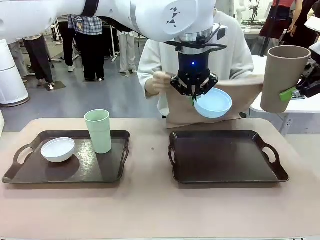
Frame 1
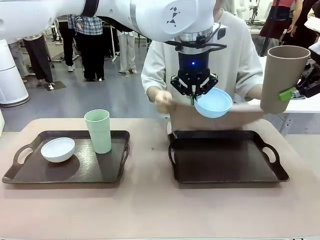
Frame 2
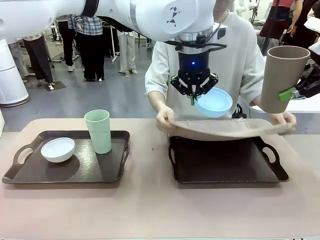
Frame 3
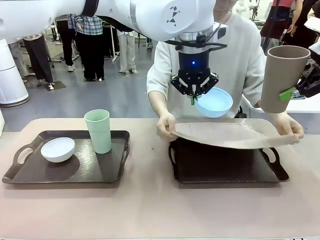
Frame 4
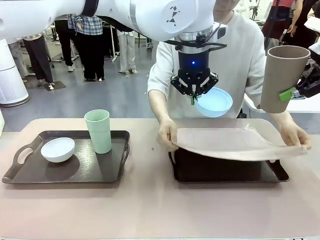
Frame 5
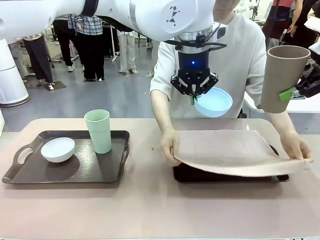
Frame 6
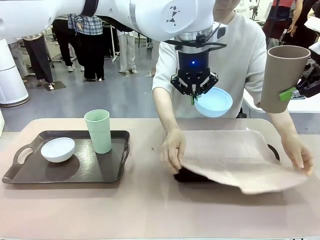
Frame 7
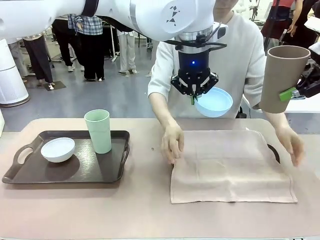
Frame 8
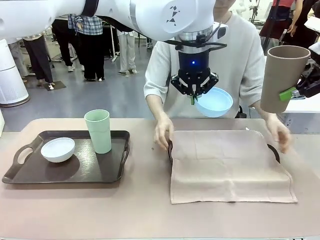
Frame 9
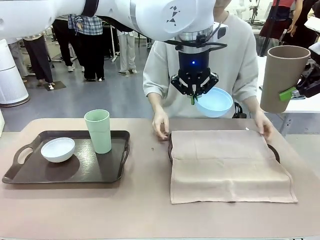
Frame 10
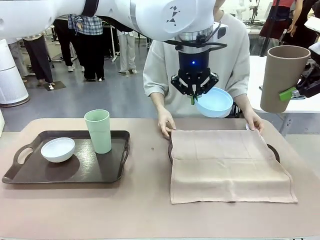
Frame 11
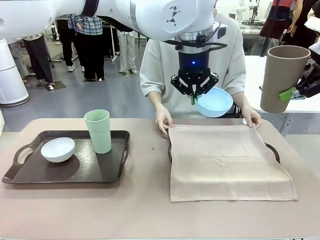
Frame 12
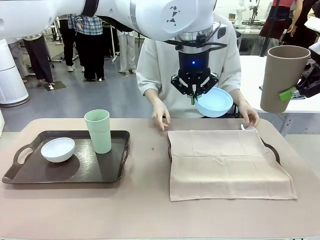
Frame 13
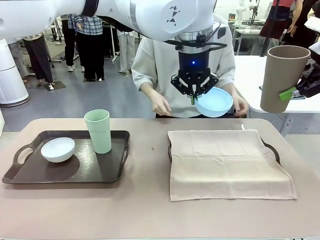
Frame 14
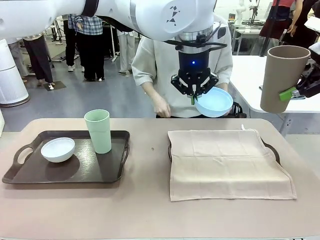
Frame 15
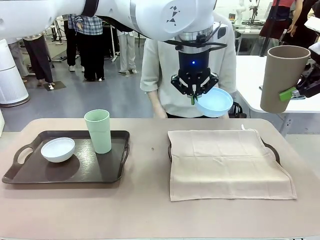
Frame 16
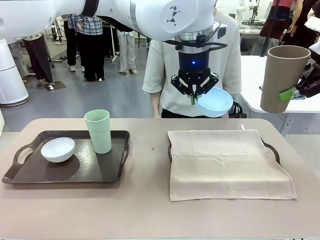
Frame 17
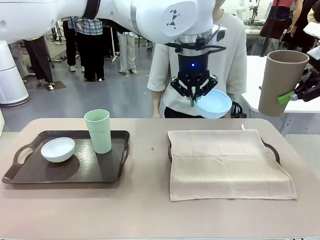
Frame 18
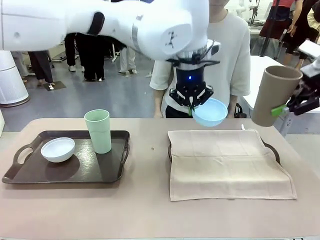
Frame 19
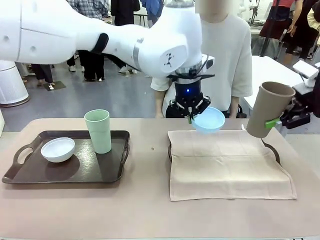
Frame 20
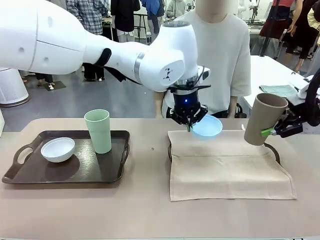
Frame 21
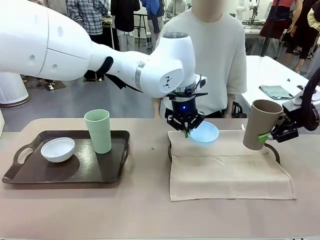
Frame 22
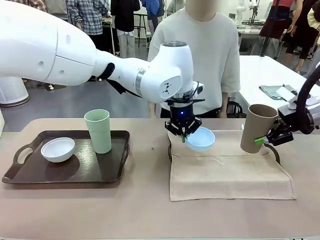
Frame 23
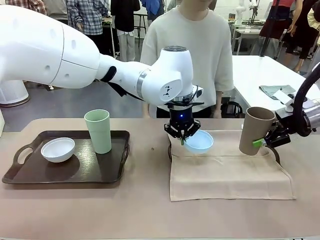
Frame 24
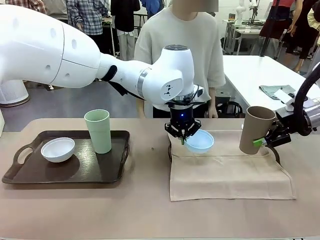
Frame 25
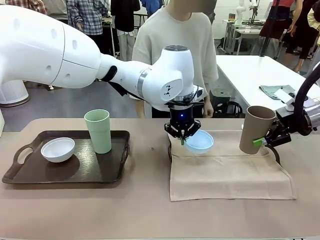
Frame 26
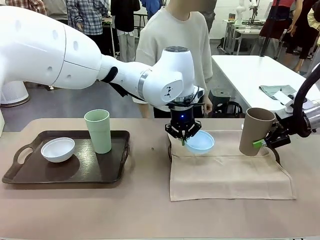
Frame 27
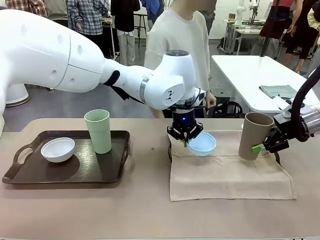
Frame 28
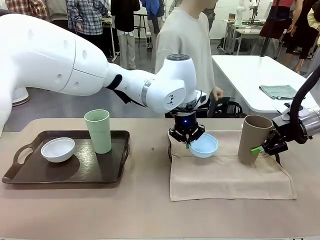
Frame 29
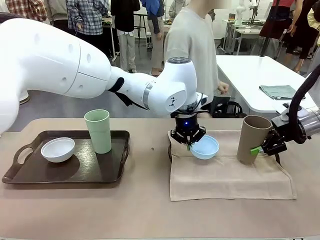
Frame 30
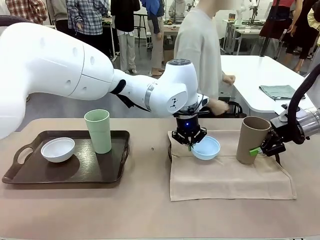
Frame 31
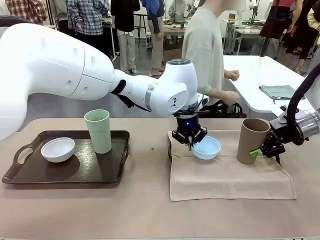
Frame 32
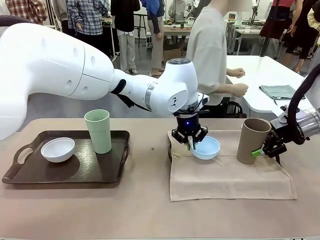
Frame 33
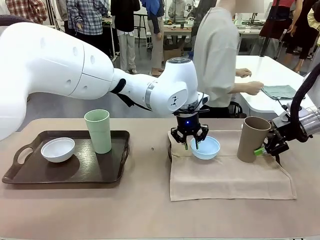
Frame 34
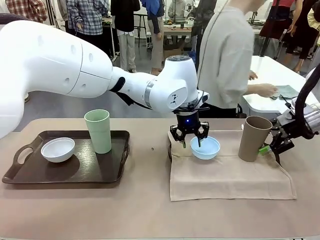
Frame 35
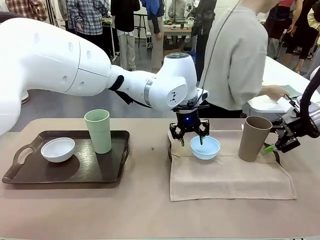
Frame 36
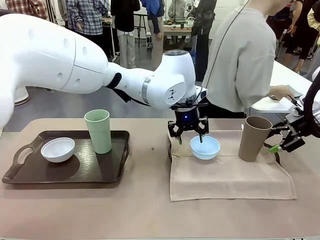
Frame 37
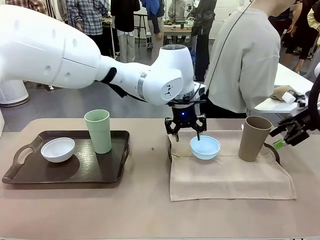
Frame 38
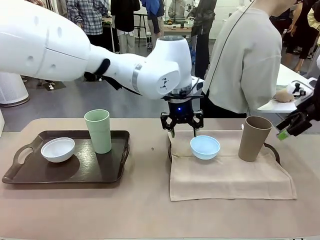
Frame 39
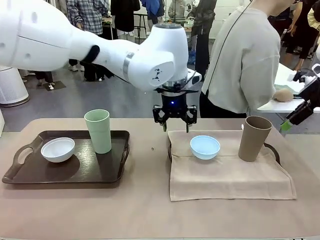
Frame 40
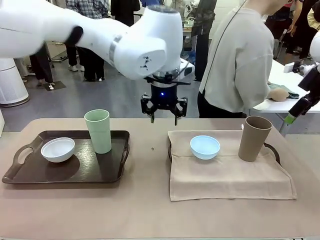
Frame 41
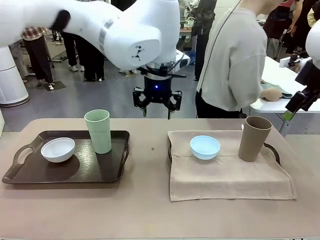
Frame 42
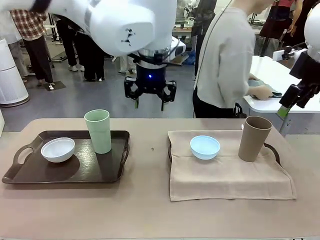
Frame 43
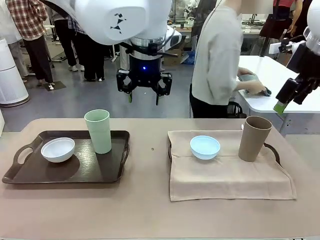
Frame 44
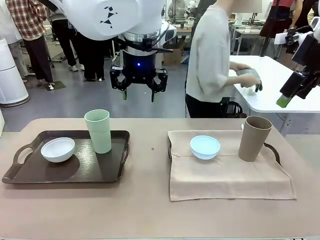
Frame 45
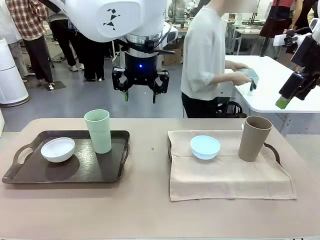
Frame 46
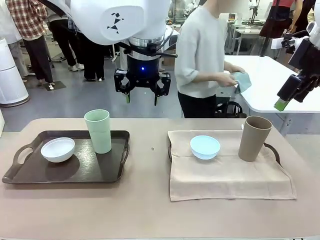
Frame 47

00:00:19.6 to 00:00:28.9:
Robot: Place the Picnic Bowl and Reusable plastic cup back onto the Handle tray in front of the human's position.
Person: The human returns to the human table to pick up another napkin and walks to the robot table to stand in front of the tray without a napkin.

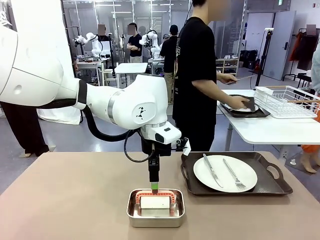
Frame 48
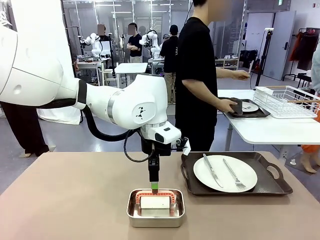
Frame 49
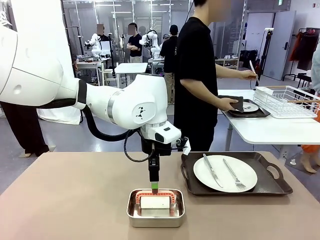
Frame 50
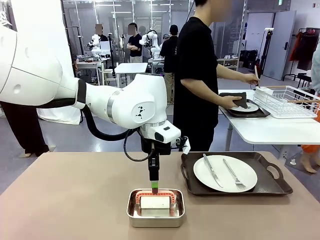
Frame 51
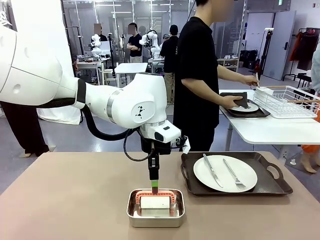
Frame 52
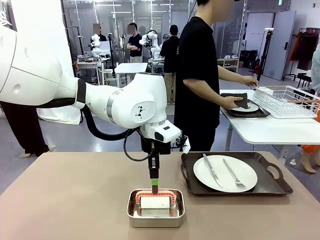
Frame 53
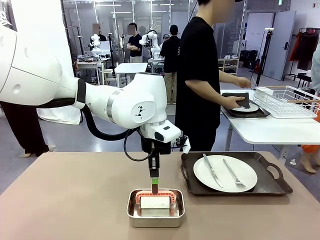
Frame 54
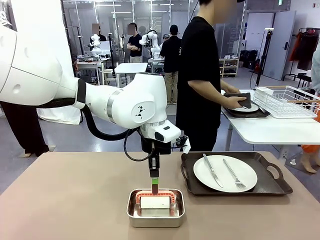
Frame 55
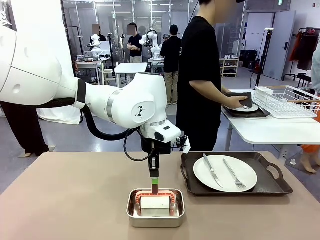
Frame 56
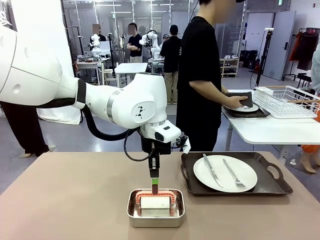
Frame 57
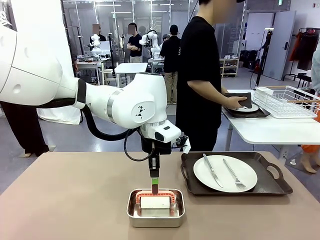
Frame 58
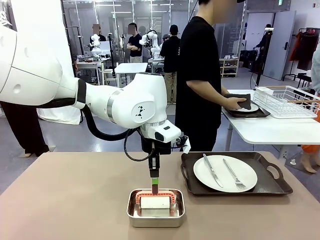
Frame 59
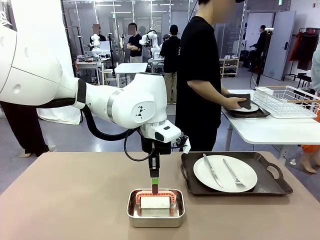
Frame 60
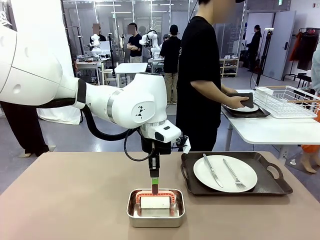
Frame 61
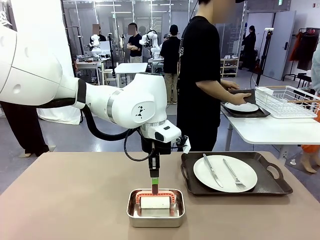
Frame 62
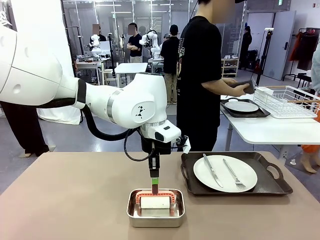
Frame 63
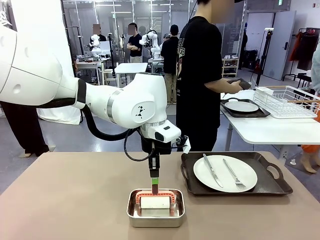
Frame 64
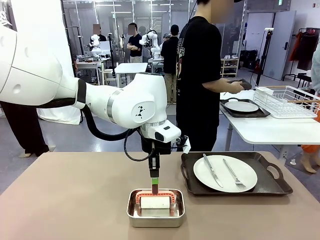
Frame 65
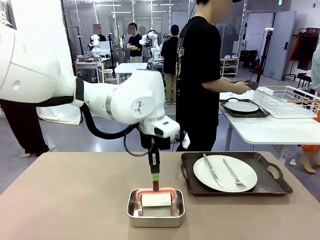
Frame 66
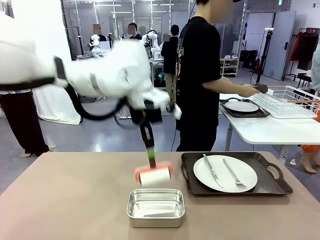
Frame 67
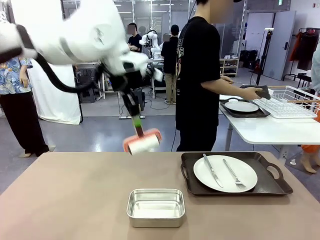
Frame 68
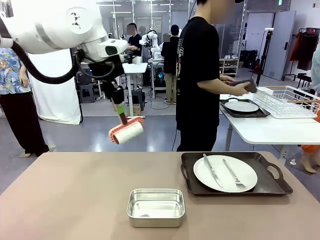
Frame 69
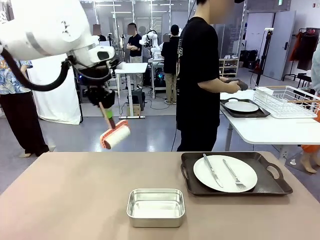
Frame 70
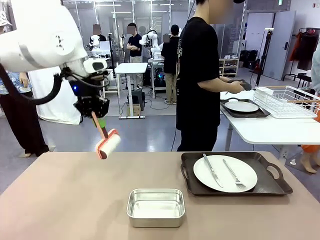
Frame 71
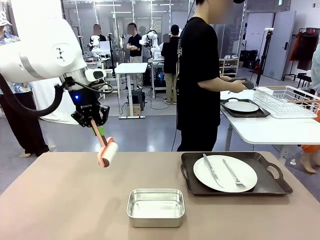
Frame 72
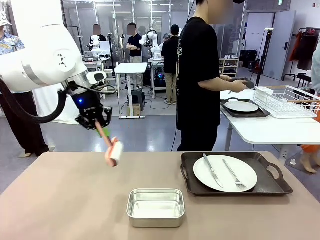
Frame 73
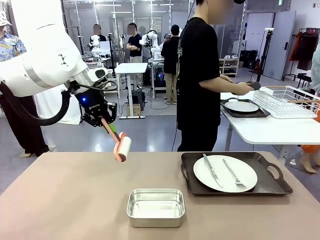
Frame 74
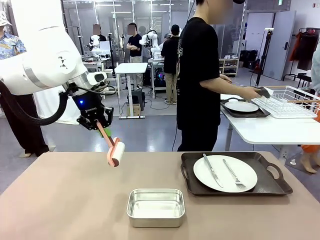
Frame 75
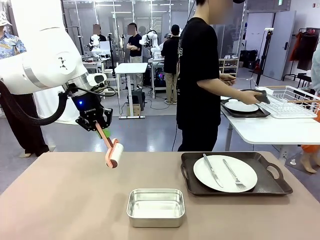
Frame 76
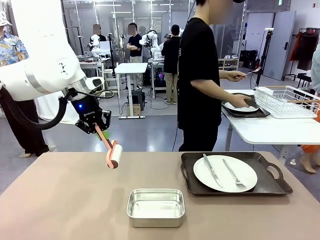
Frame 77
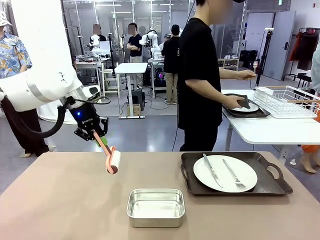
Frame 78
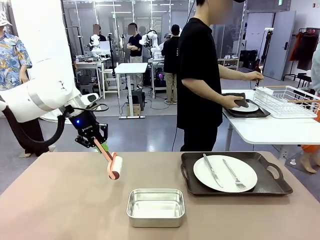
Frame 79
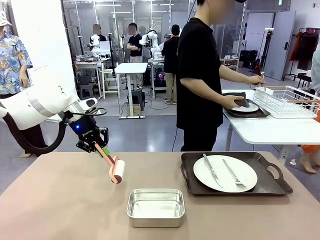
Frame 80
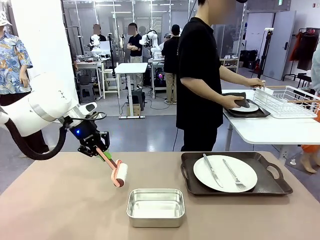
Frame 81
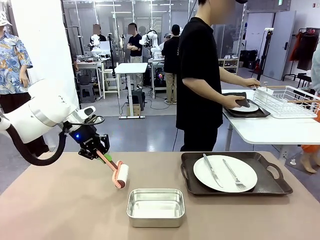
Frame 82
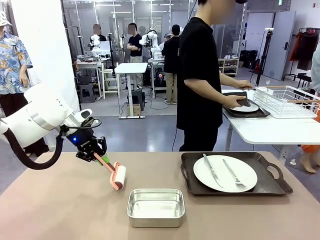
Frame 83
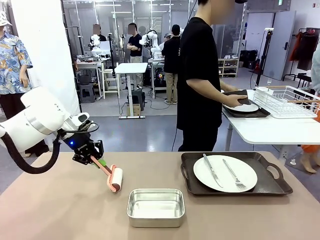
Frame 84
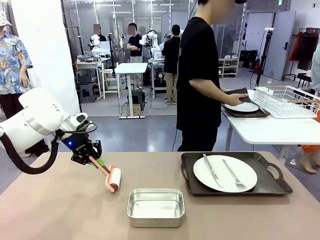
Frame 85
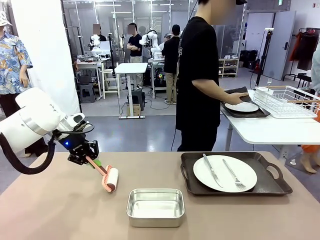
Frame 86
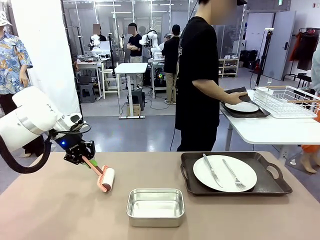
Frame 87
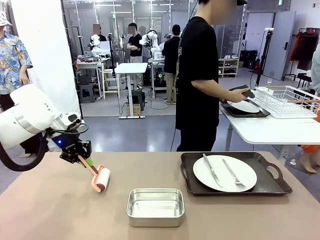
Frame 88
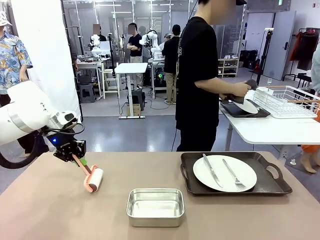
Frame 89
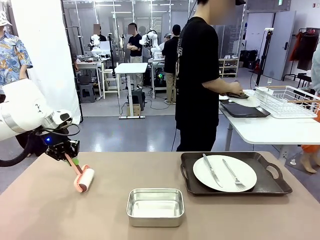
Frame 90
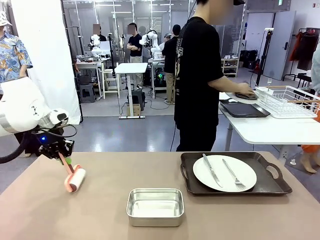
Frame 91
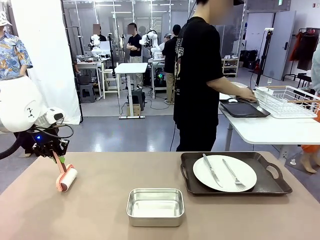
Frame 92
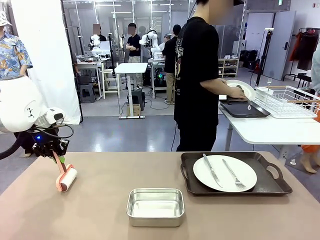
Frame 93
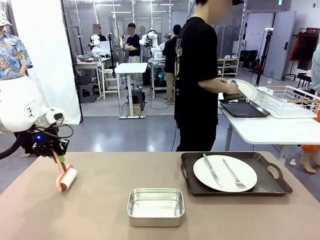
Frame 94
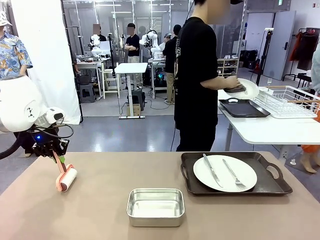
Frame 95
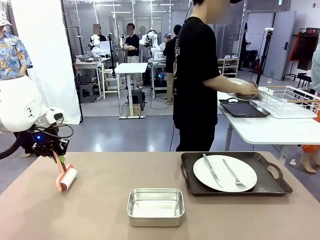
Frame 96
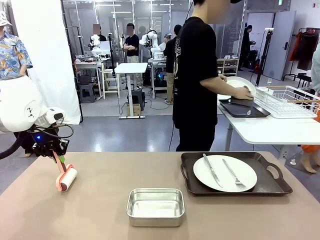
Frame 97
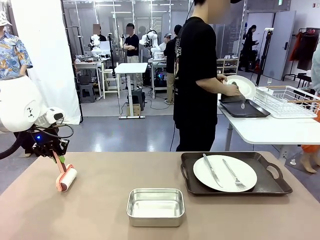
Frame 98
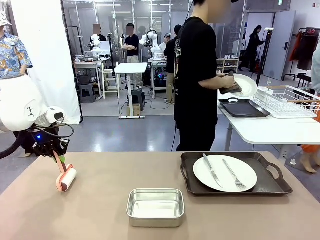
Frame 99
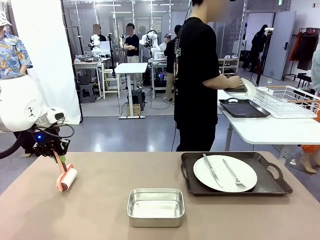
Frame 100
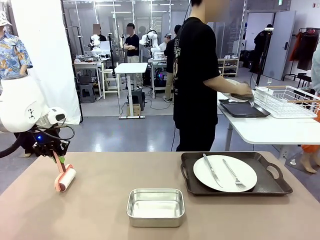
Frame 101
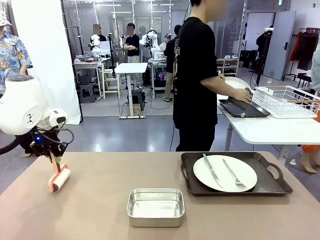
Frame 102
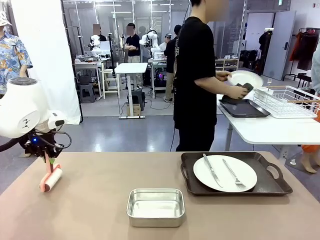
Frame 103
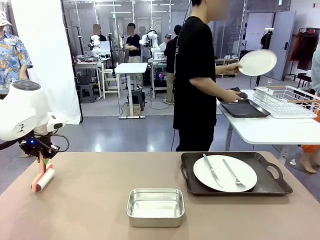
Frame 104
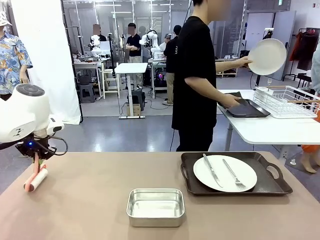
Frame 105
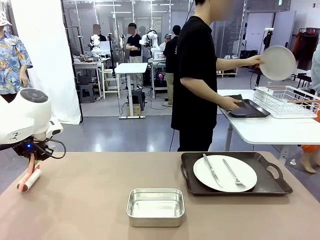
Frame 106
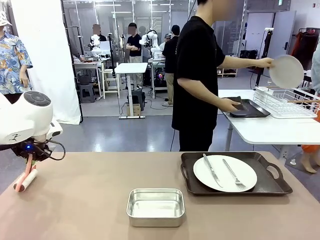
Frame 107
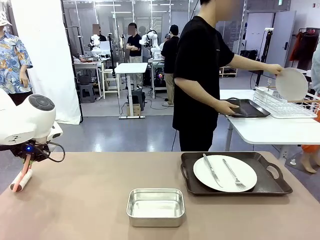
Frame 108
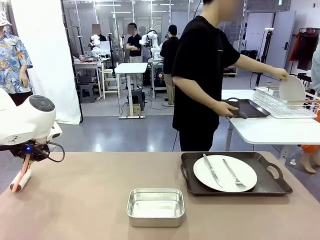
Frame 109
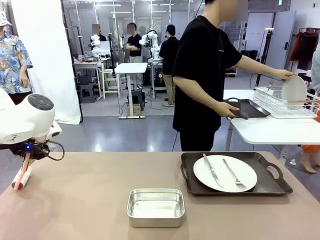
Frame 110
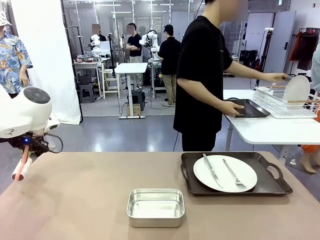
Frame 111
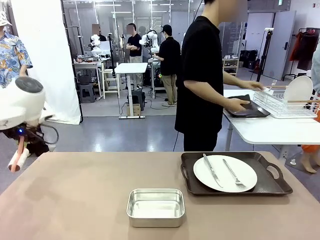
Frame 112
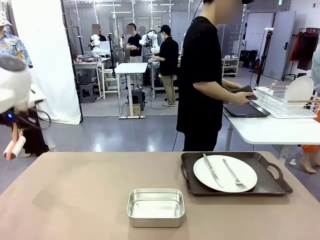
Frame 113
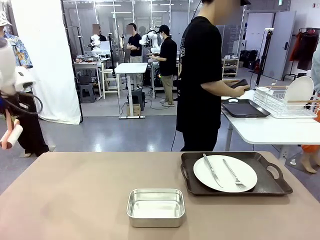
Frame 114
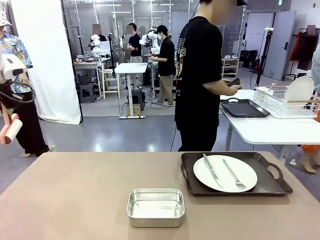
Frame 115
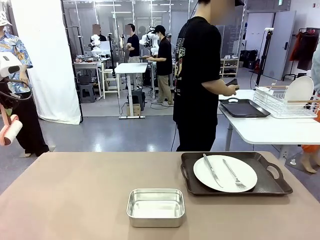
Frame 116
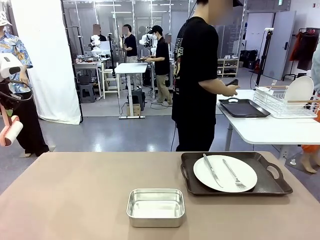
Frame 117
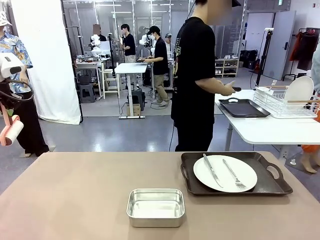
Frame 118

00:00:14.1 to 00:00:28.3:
Robot: When the left (or right) Handle tray is removed, use the left hand (or right hand) to clean the left (or right) side of the table with the Lint Roller.
Person: Use the Towel with hook to wipe the Plastic Matte Plate , Fork , and Knife and place into the Dish drying rack.
